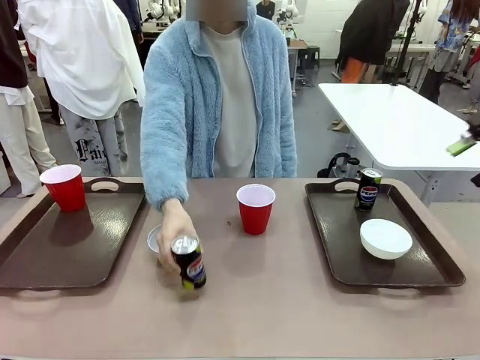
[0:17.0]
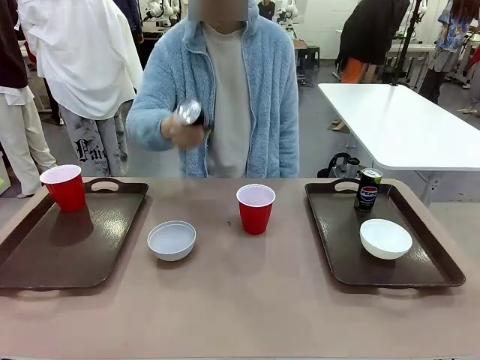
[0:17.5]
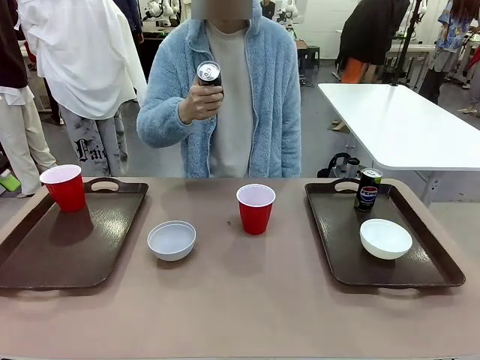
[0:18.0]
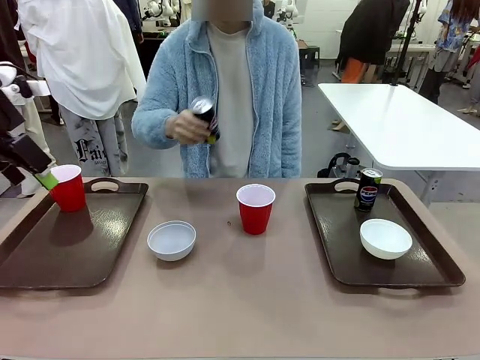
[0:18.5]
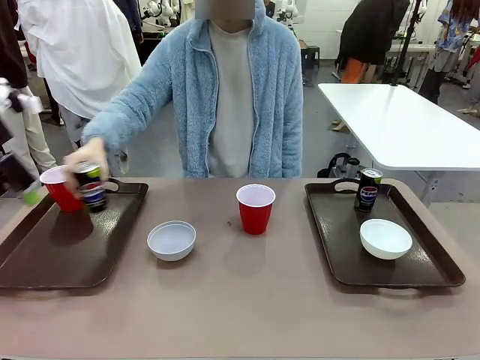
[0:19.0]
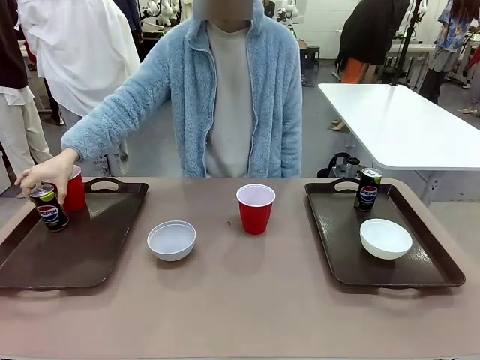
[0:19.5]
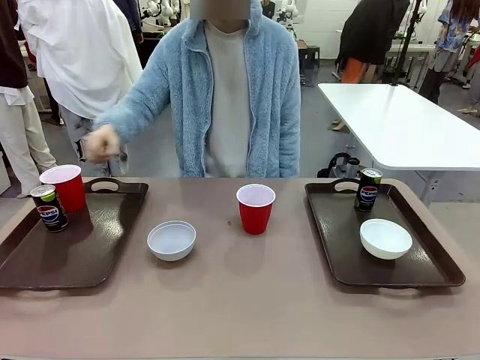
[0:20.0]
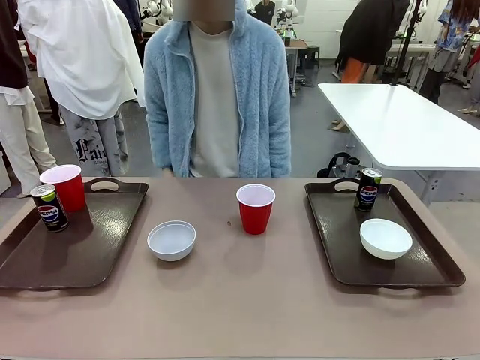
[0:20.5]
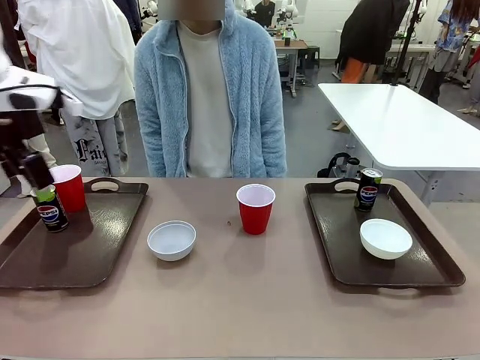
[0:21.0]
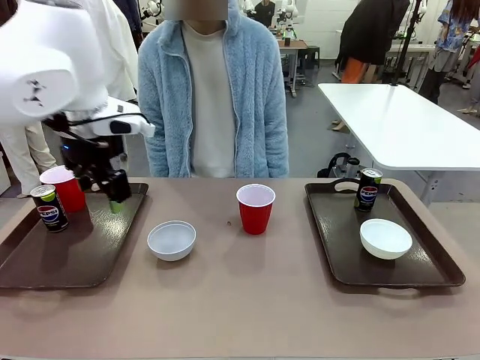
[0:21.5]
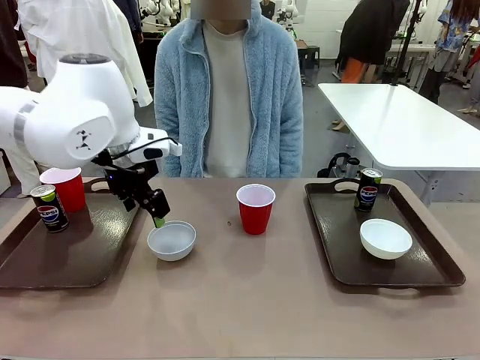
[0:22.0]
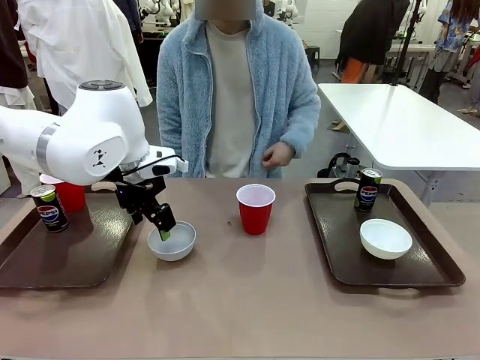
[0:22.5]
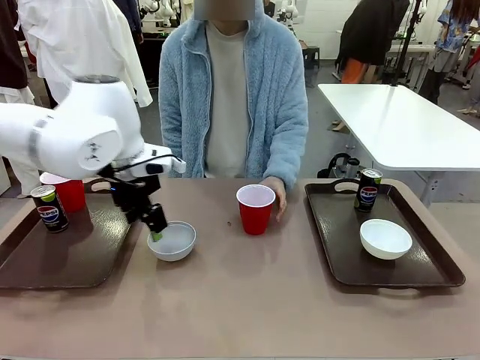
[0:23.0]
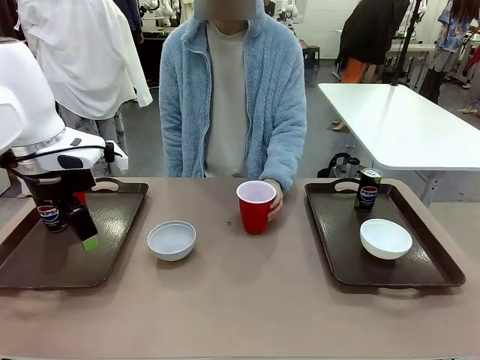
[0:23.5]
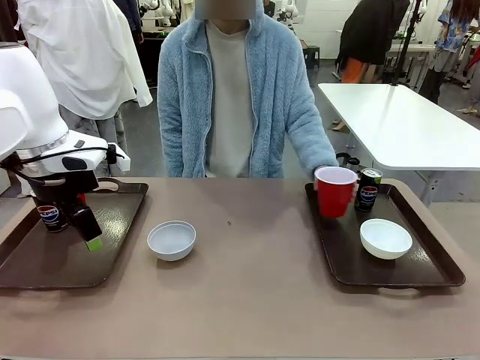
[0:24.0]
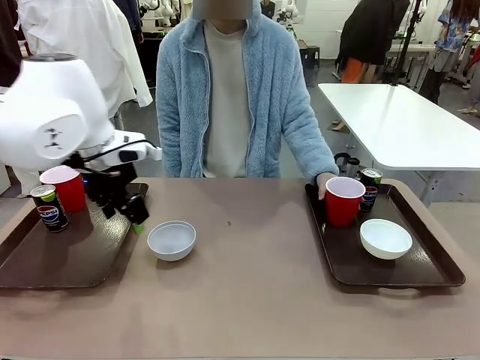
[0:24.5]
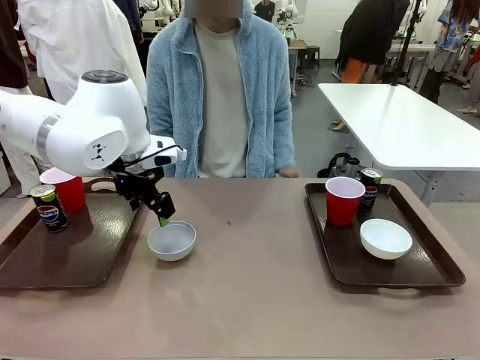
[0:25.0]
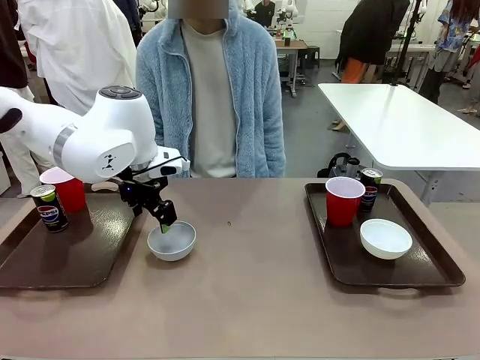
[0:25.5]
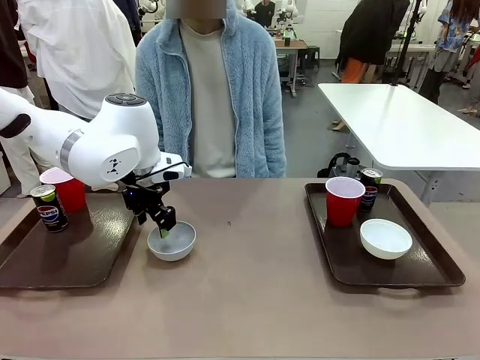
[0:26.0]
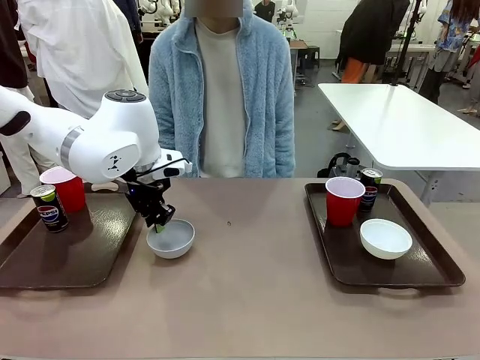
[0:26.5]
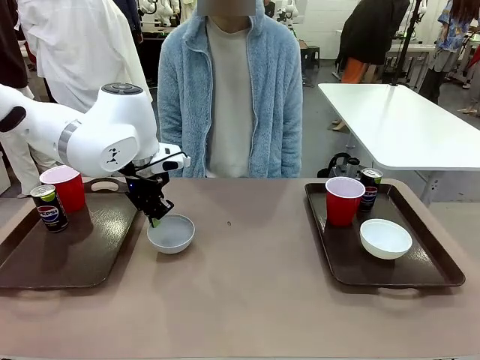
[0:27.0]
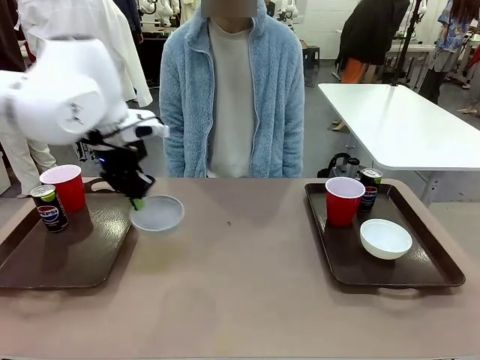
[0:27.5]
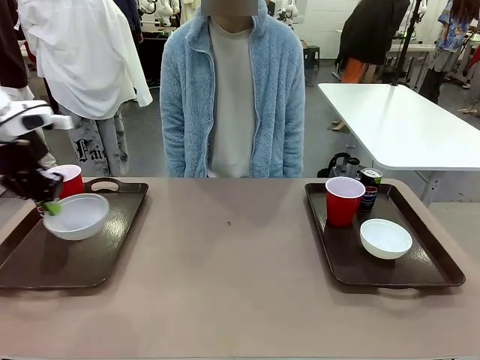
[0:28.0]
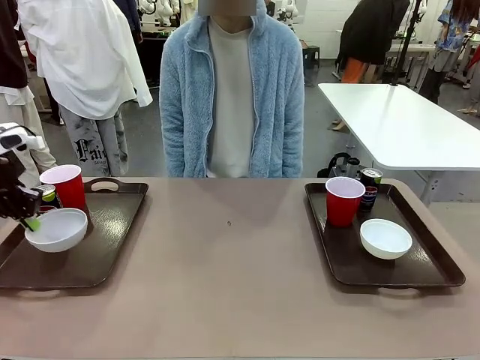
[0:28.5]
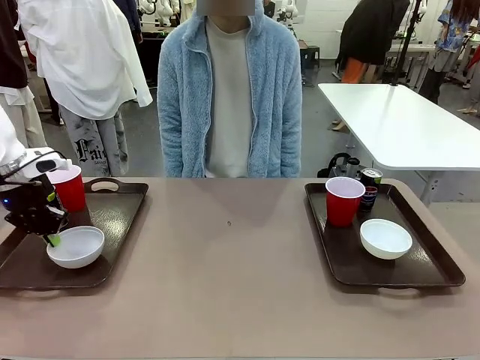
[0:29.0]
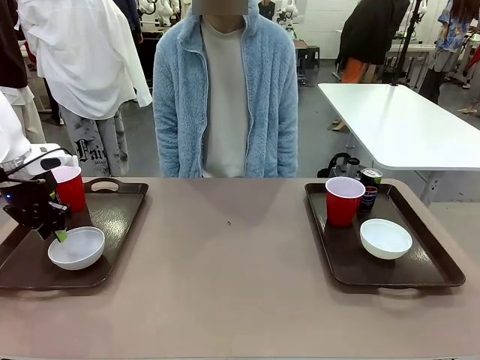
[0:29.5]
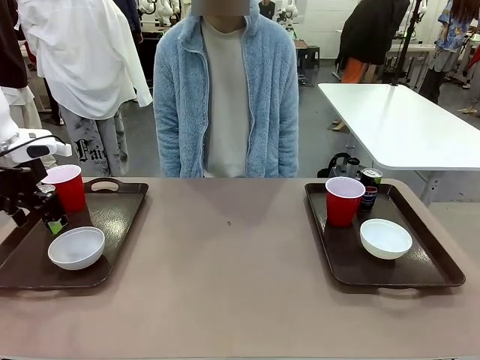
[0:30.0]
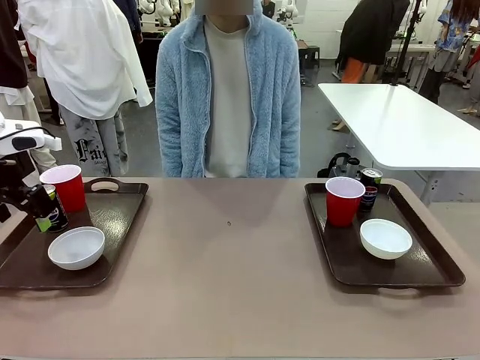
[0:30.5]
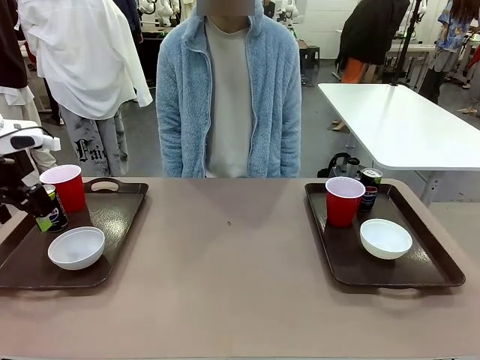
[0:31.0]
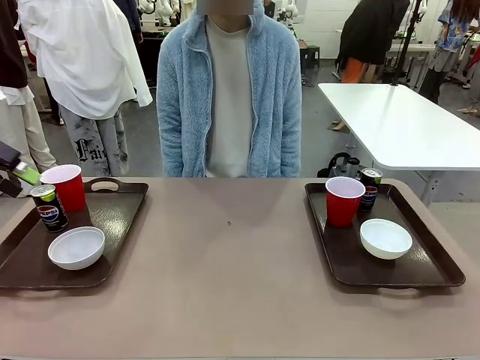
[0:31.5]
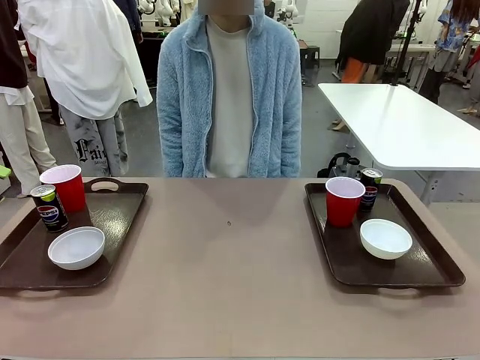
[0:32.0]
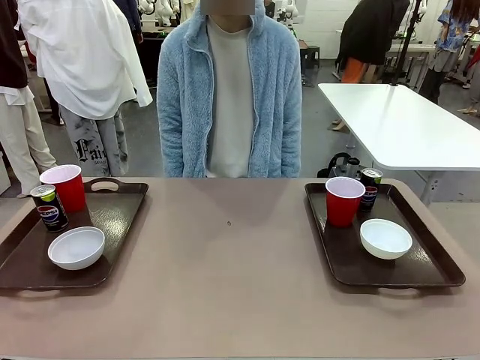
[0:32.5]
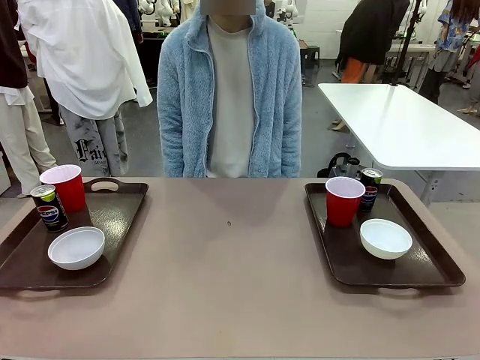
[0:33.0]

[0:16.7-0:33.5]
Task: Prepare tableware on both trays.
Robot: Pick up a Picnic Bowl from the table and place it on a Handle tray.
Person: Pick up a can or cup and place it on the tray without a can or cup.

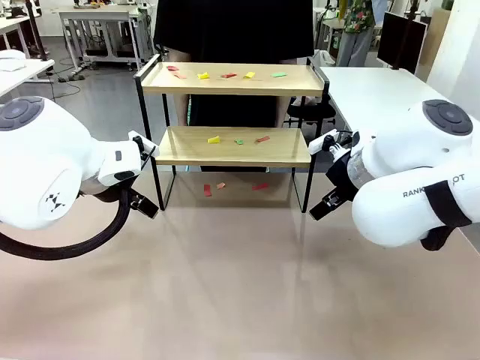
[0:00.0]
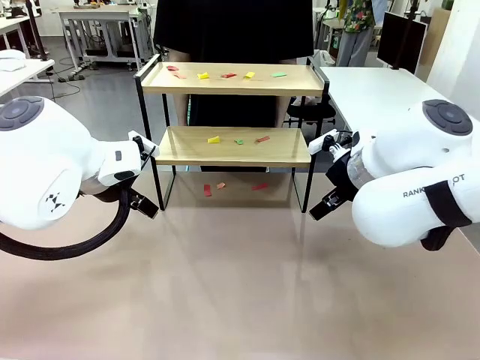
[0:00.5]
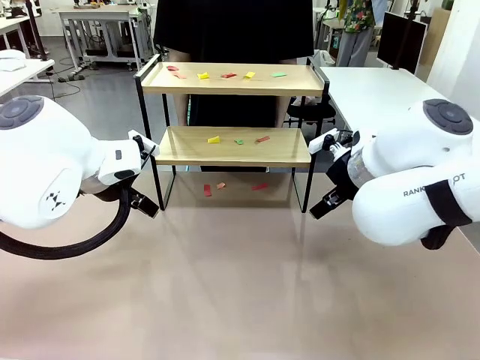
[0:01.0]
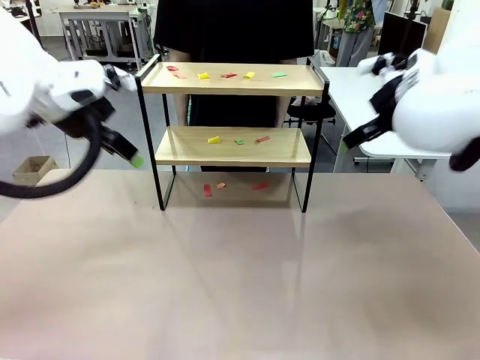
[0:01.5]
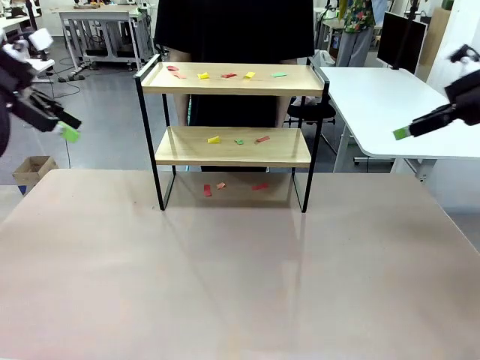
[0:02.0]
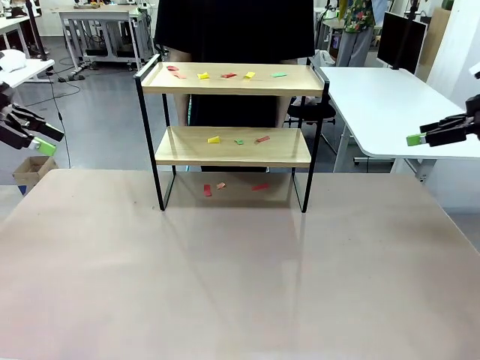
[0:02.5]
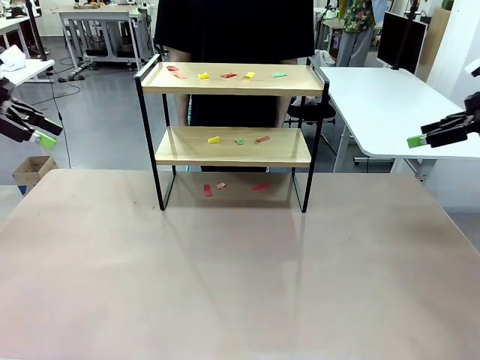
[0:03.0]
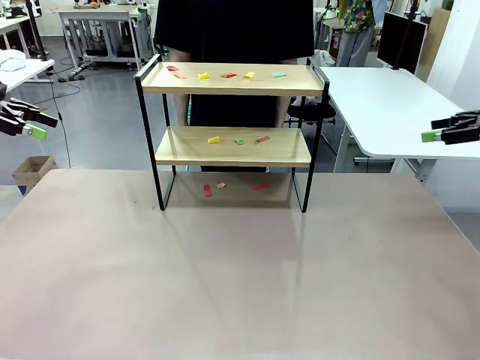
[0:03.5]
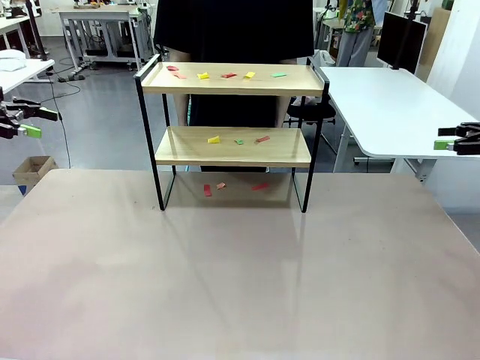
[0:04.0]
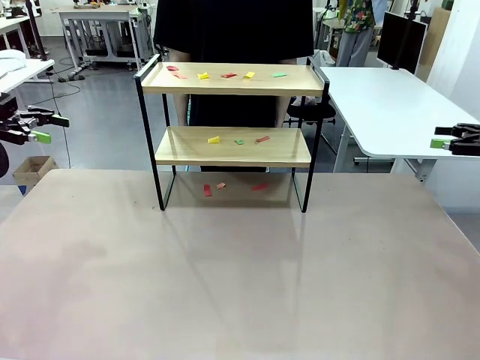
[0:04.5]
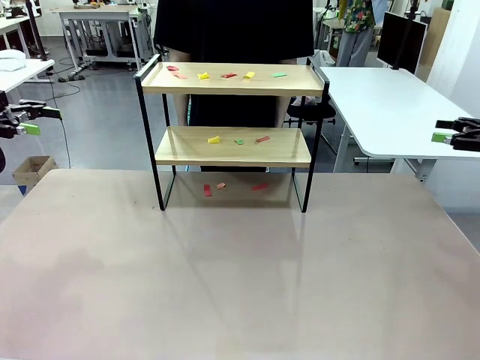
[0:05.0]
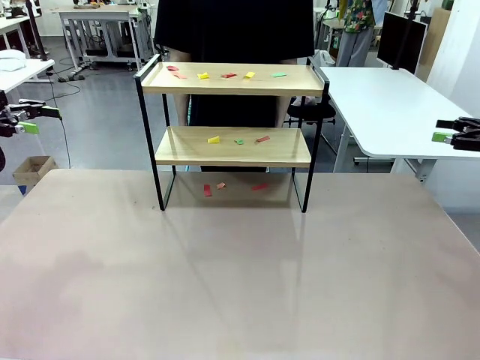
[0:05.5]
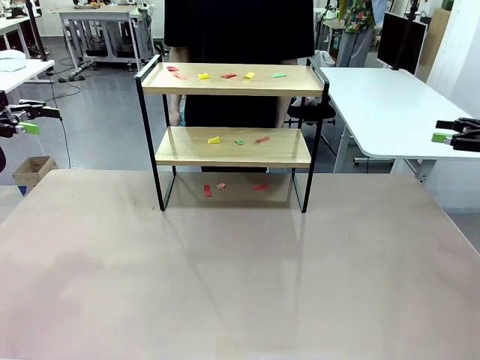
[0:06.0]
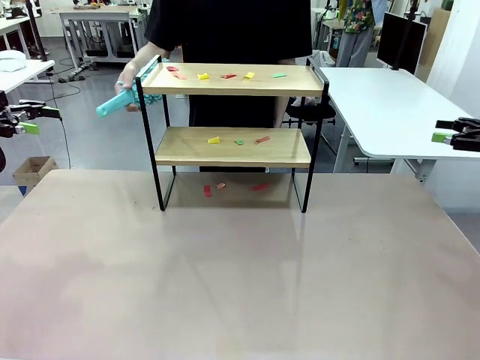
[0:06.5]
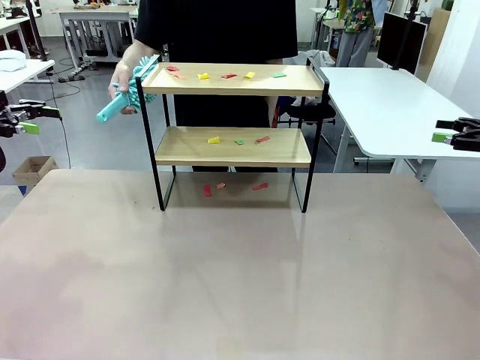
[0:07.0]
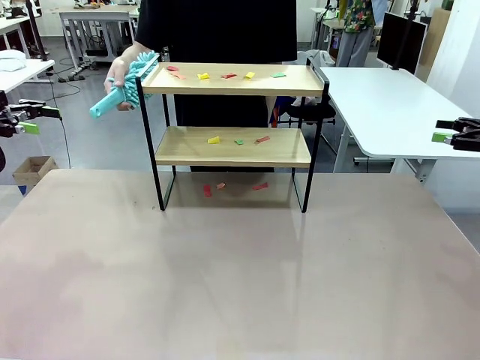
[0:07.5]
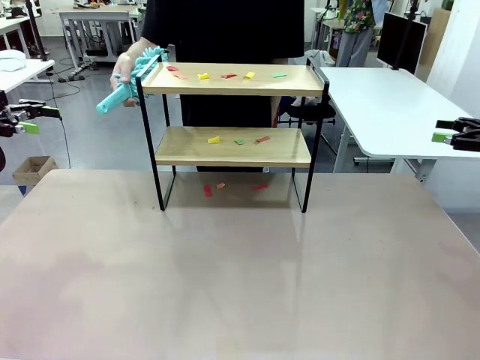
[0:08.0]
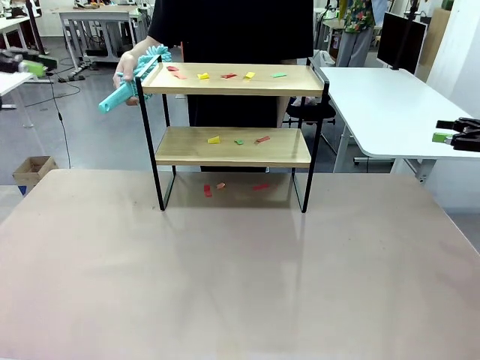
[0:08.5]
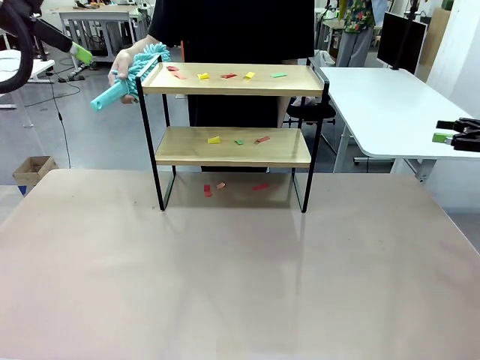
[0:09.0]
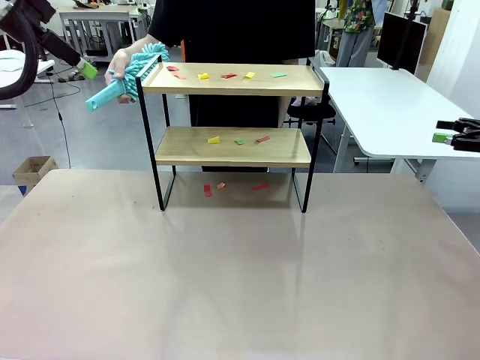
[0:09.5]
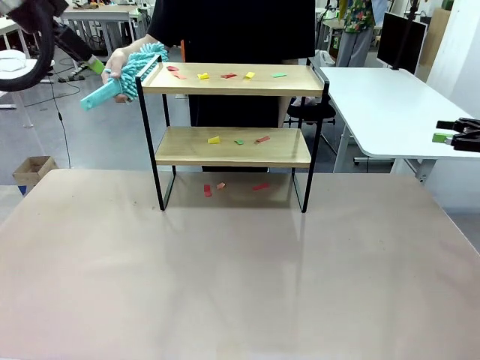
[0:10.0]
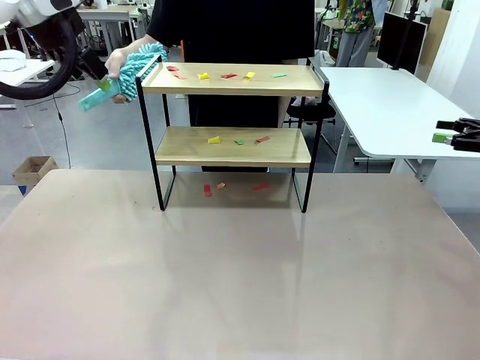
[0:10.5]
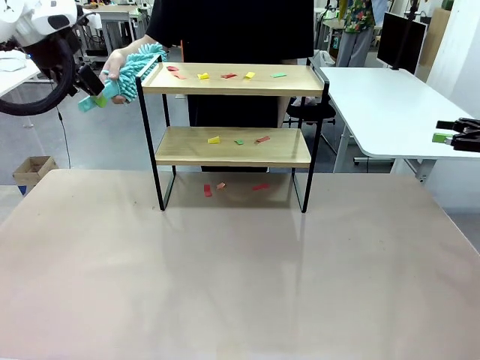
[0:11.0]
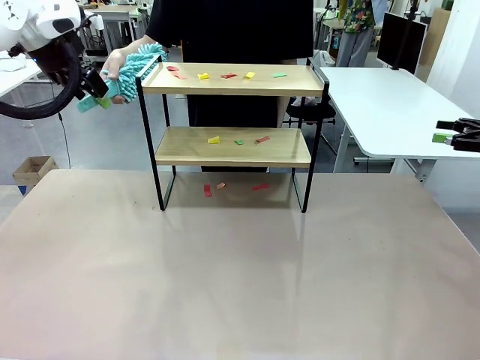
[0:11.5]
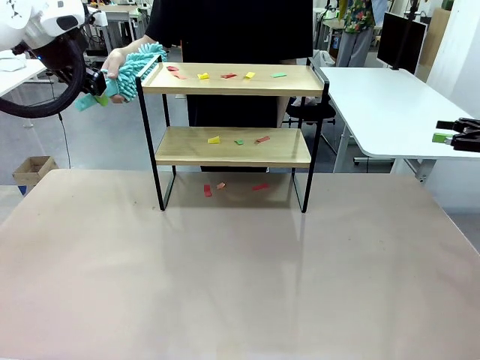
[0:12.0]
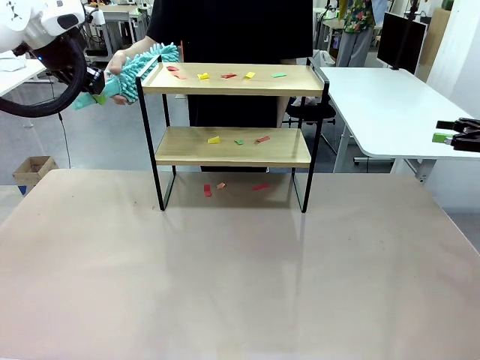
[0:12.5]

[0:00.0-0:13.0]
Task: Clean the shelf.
Robot: Pick up the Duster handed by the human.
Person: Hand the Duster to the robot.
